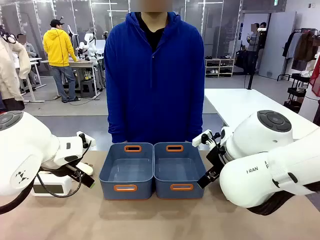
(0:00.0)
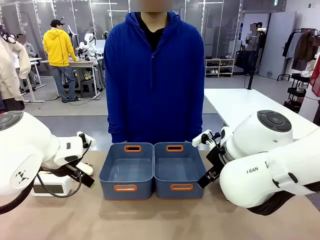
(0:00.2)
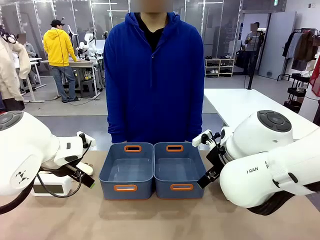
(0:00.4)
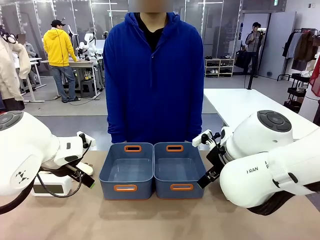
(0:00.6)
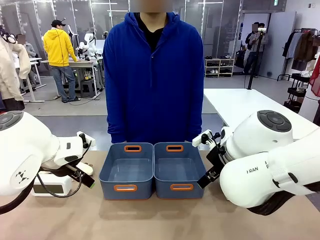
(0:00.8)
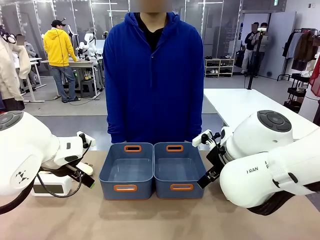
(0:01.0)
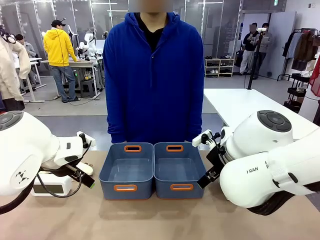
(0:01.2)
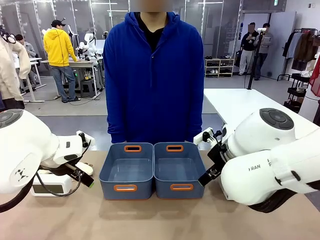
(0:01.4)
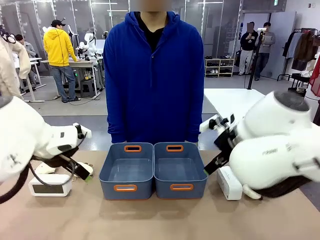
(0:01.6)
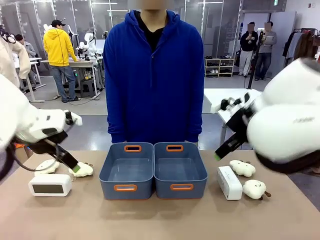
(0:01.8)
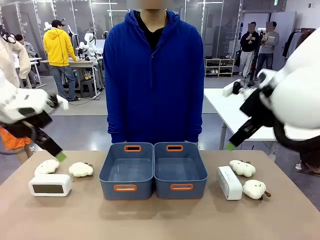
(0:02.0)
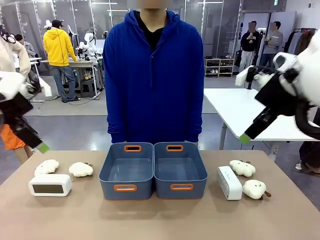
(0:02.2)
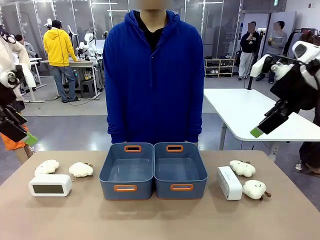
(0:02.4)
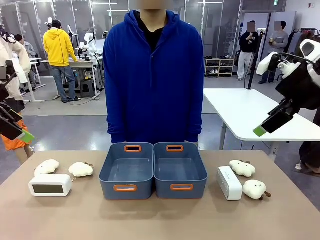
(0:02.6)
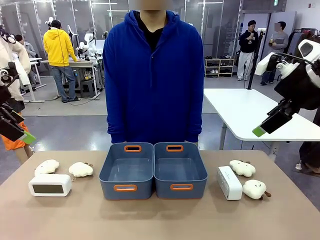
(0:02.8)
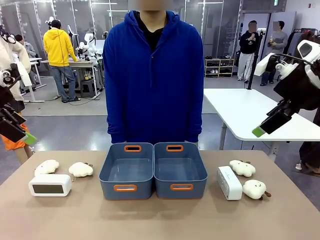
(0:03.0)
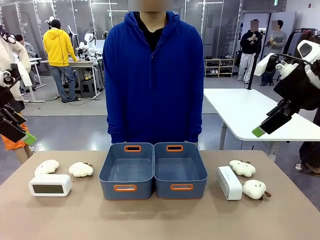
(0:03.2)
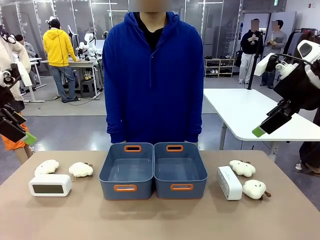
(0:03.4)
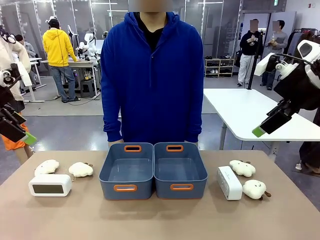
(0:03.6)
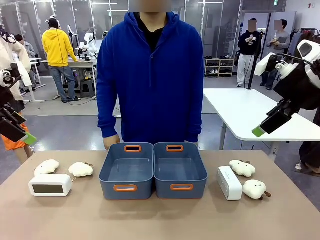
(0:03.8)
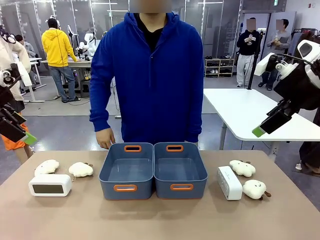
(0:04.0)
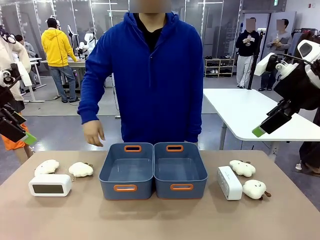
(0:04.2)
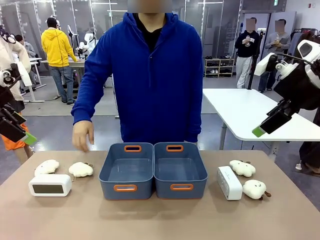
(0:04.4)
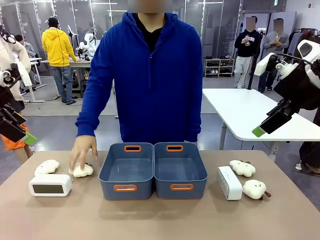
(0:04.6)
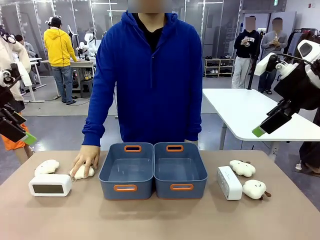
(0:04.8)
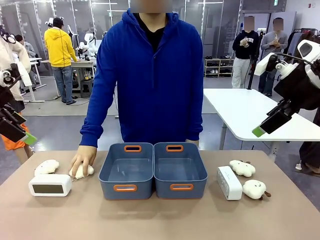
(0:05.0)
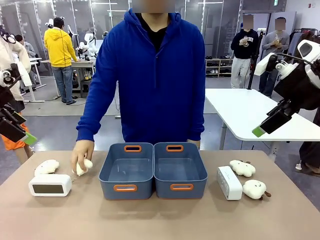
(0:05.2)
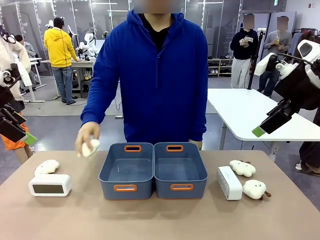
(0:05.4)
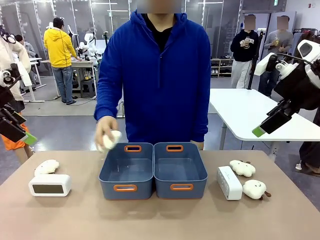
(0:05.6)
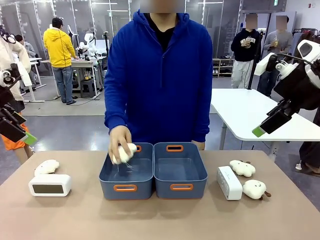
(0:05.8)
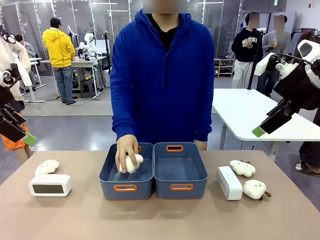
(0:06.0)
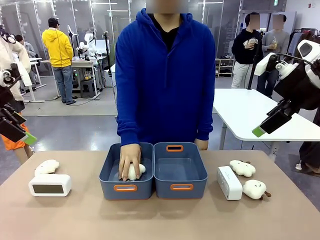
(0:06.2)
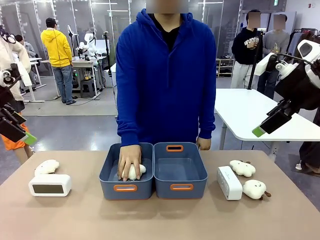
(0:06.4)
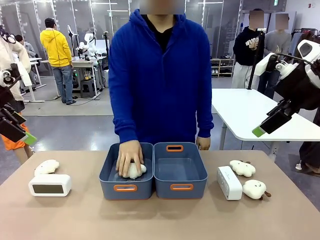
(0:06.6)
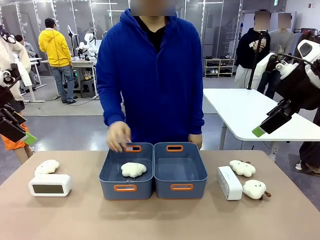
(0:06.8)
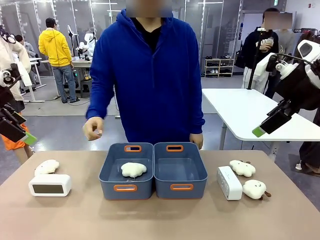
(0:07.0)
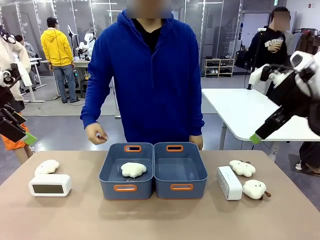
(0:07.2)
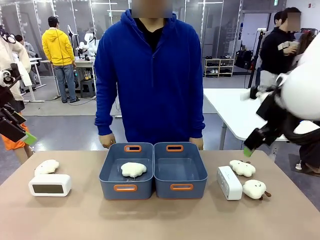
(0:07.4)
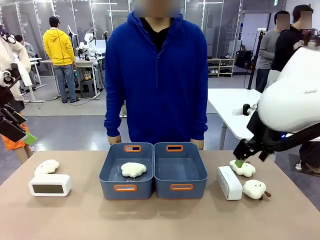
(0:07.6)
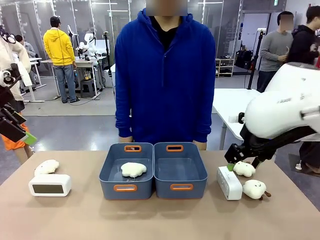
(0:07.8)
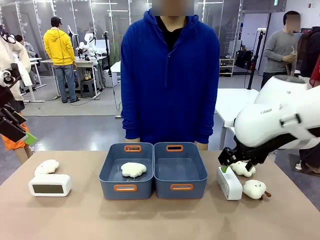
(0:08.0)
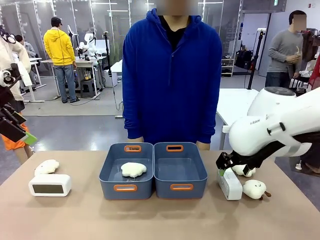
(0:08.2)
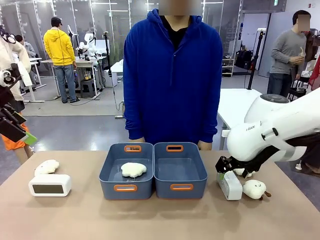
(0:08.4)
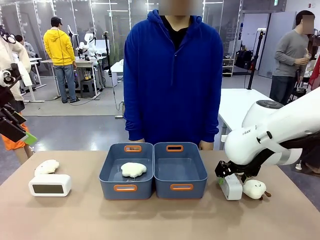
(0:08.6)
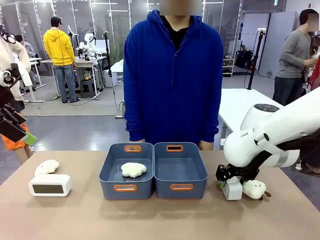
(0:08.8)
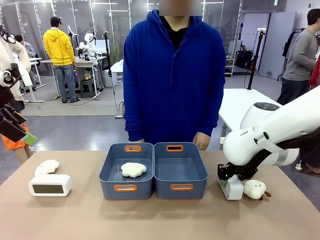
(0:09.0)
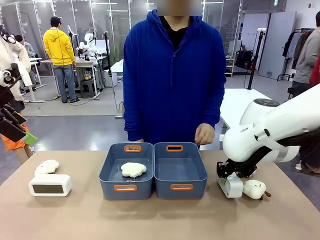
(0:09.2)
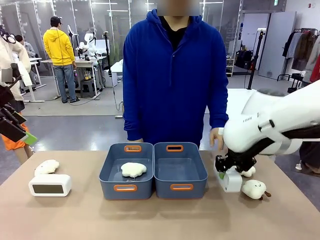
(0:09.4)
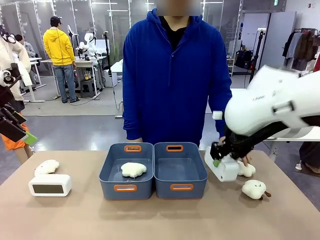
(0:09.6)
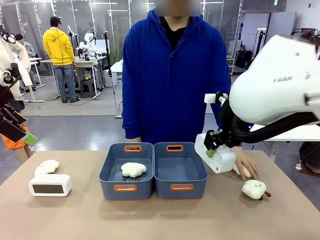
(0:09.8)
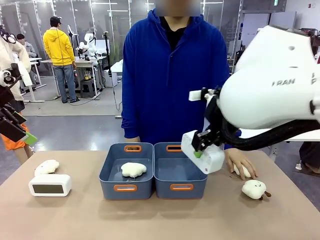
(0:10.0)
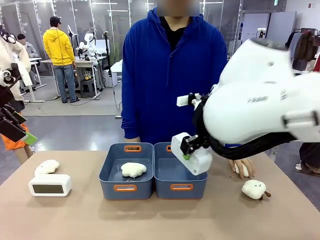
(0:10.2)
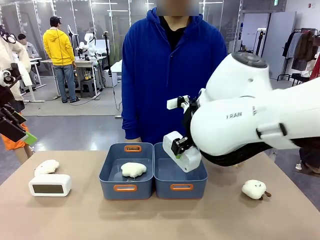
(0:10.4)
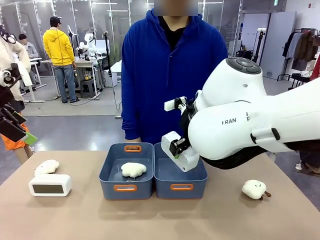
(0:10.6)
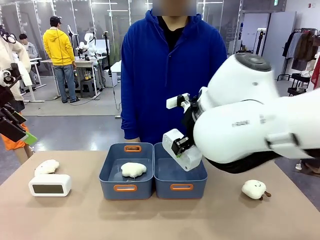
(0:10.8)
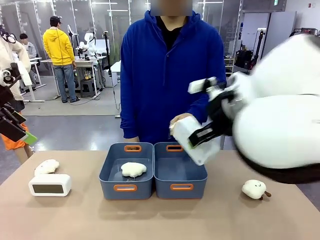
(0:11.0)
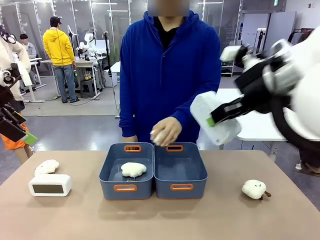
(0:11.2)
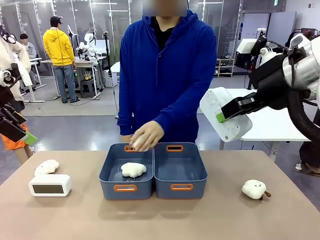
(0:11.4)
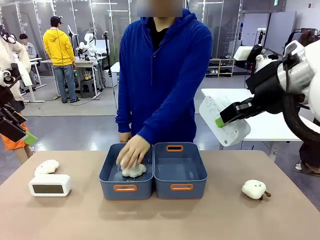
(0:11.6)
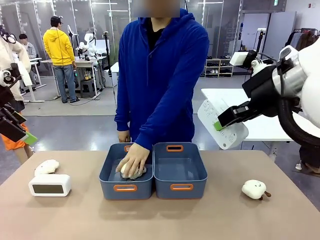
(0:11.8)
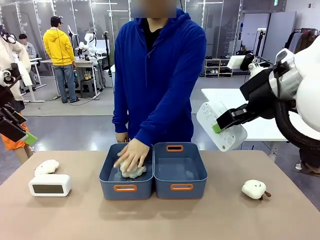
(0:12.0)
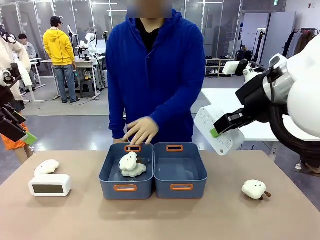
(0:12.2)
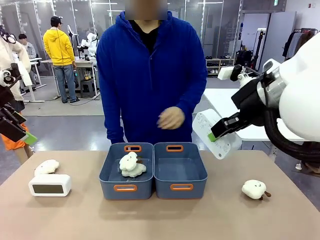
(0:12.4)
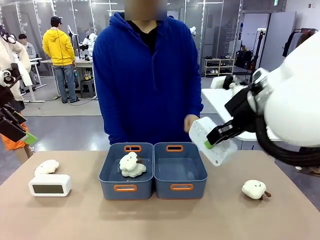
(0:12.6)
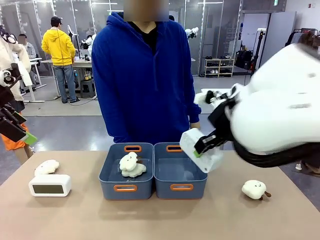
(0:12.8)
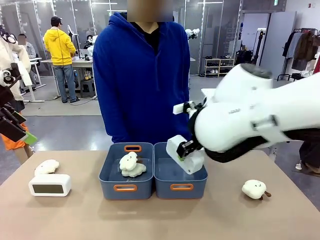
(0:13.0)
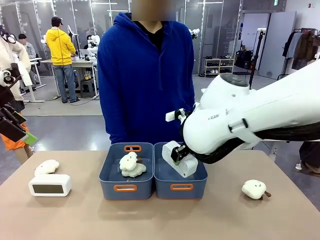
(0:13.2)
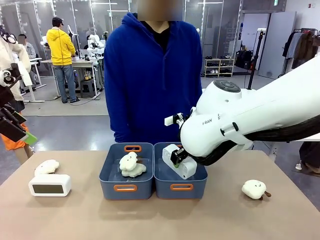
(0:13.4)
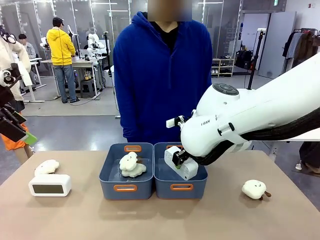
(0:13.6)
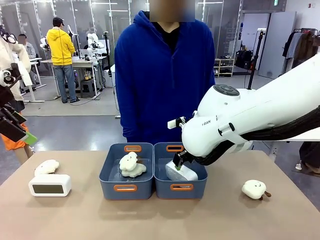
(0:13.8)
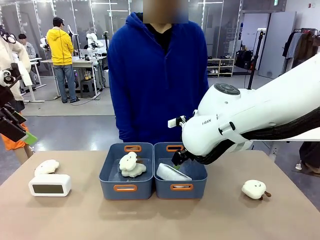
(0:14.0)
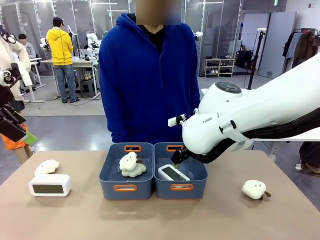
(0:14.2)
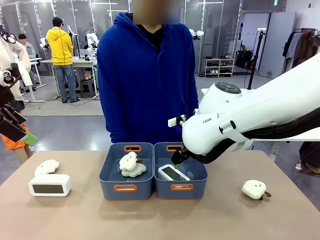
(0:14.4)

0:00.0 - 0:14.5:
Task: Sort the digital clocks into the basket.
Robot: Pick up the Digital clock from the table and place it into the empty Plastic storage basket.
Person: Pick up a plush toy from the table and place it in a plastic storage basket.

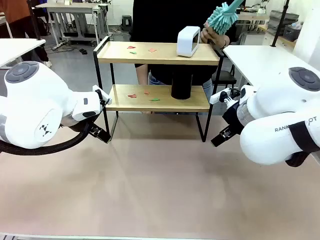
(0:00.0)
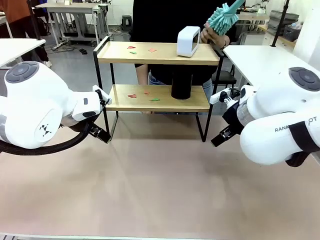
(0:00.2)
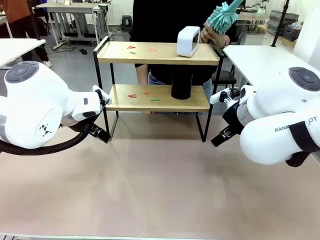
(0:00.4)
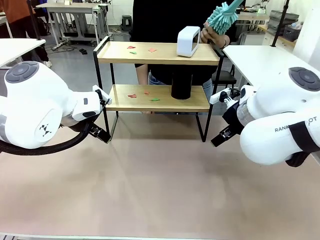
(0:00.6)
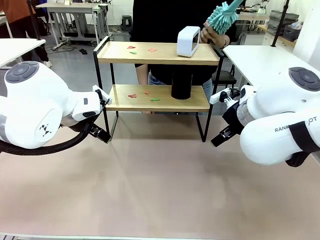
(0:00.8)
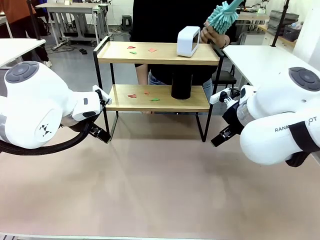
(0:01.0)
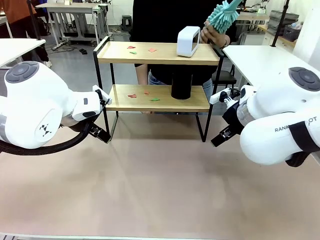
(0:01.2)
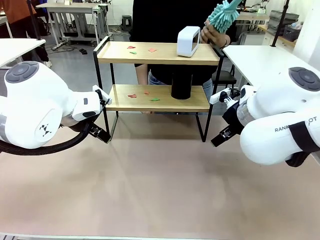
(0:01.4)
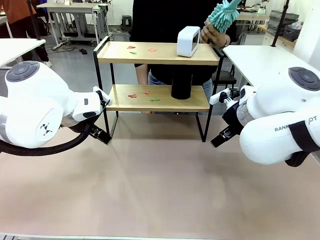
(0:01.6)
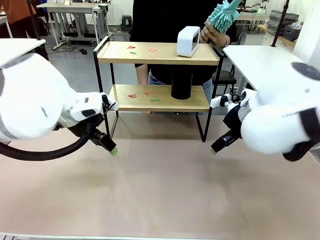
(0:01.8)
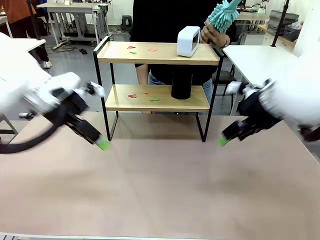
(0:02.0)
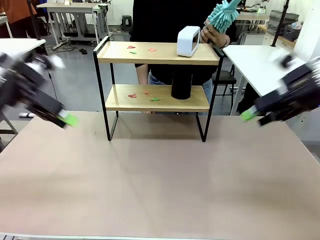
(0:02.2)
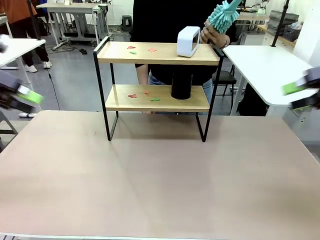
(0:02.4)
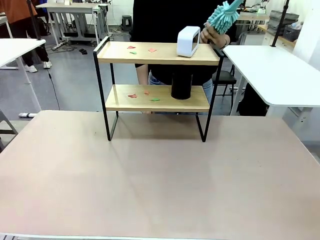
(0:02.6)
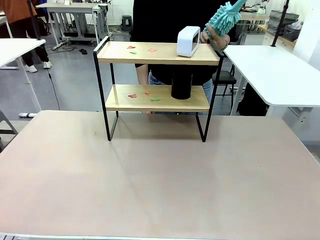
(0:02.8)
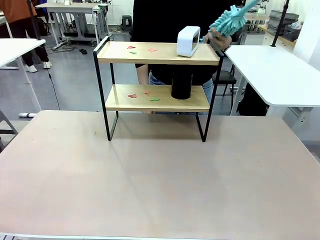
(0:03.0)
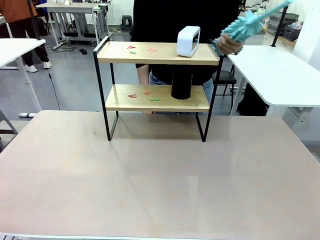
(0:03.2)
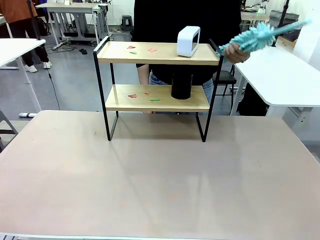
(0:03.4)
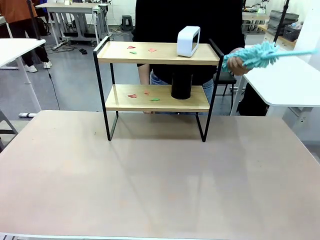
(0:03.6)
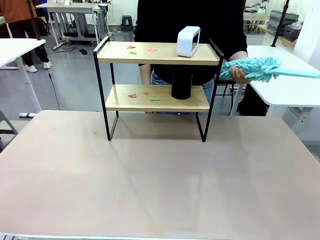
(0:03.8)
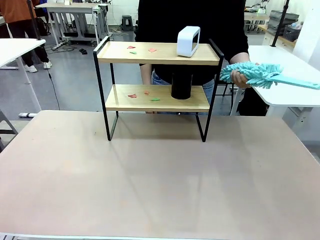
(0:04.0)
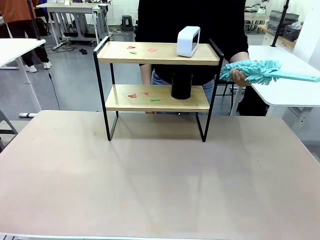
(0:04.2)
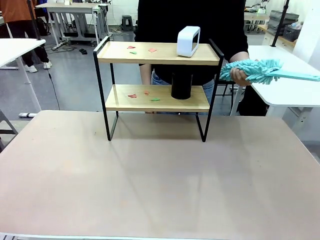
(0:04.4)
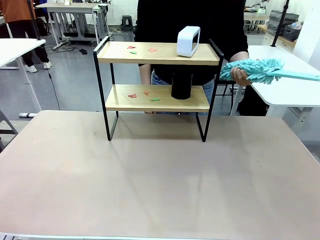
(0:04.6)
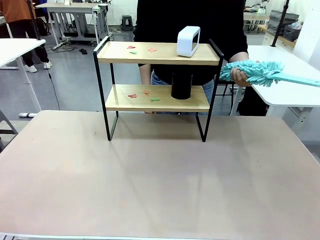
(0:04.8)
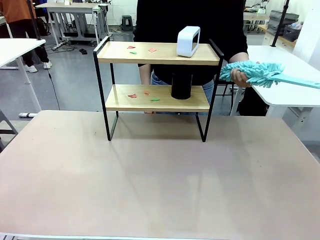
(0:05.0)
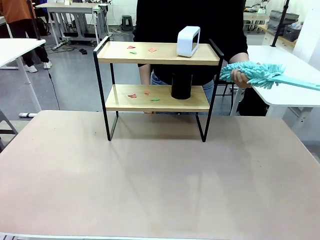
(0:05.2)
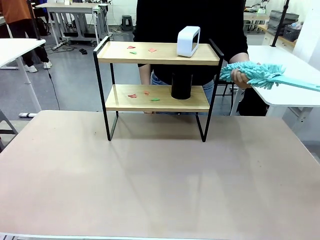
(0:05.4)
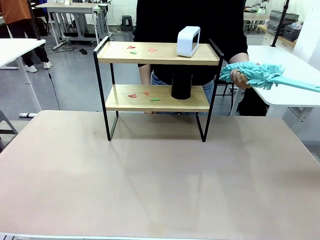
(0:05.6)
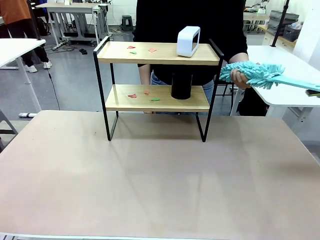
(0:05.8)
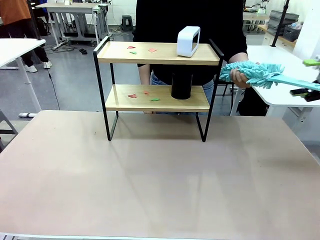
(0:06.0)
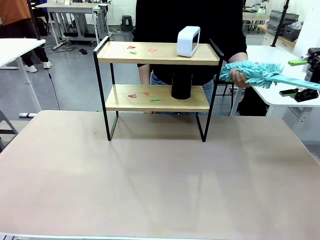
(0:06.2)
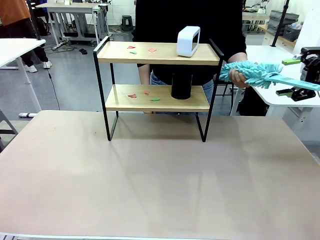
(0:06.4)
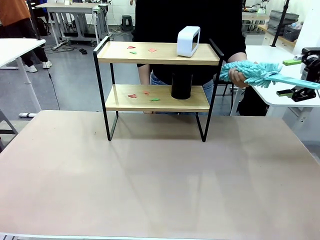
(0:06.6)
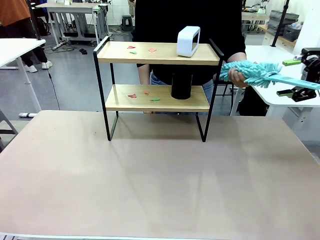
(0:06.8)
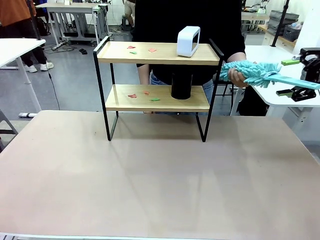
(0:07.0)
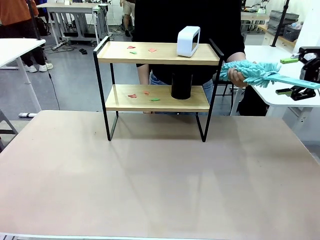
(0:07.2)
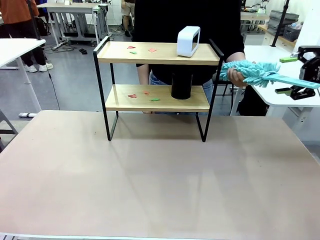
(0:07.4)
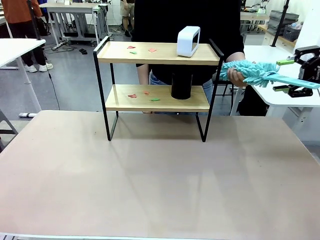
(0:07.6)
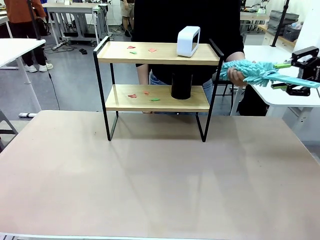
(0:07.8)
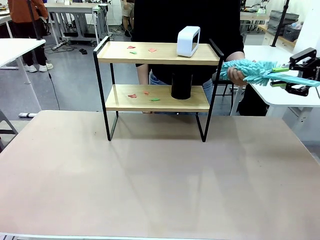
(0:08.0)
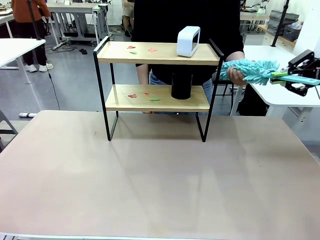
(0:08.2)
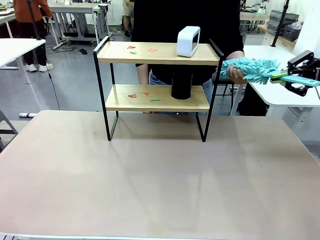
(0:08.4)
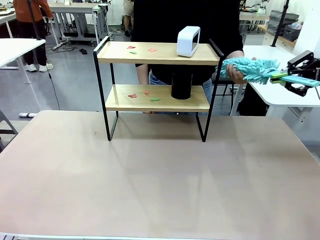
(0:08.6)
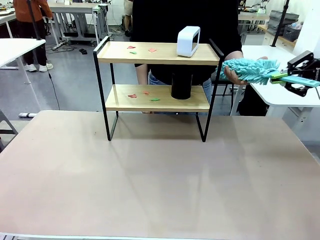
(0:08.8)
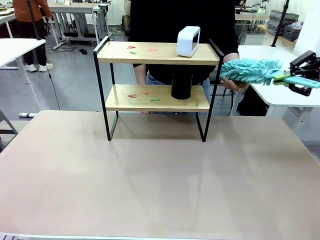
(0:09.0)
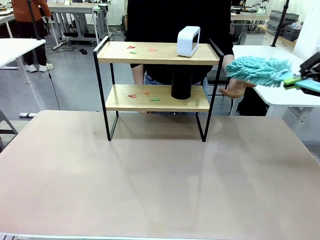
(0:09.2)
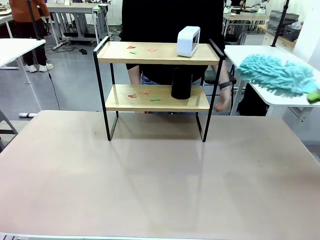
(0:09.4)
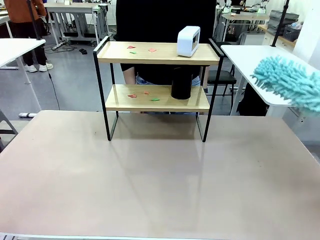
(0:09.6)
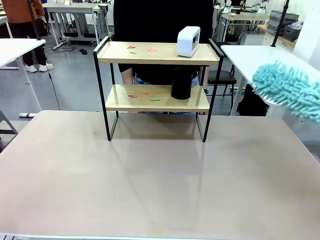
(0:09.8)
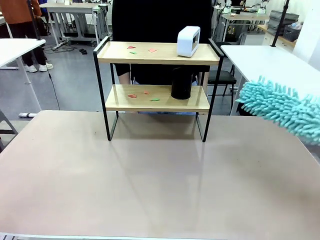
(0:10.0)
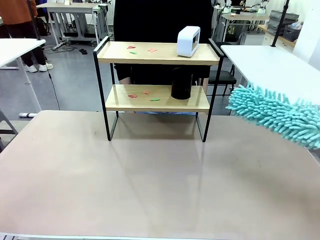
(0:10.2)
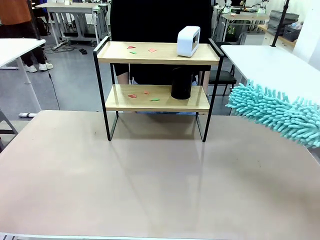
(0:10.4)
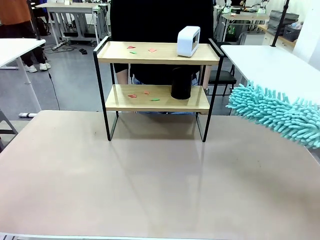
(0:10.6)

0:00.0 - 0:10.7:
Task: Clean the shelf.
Robot: Pick up the Duster from the human.
Person: Hand the Duster to the robot.
